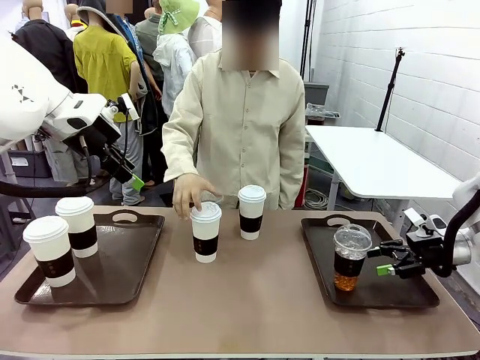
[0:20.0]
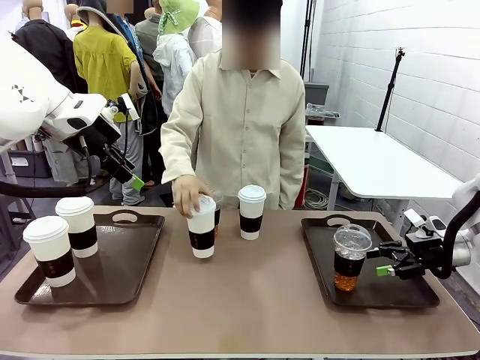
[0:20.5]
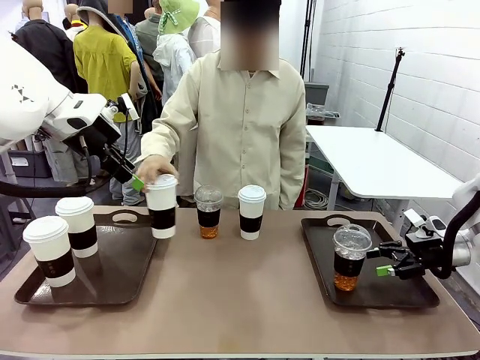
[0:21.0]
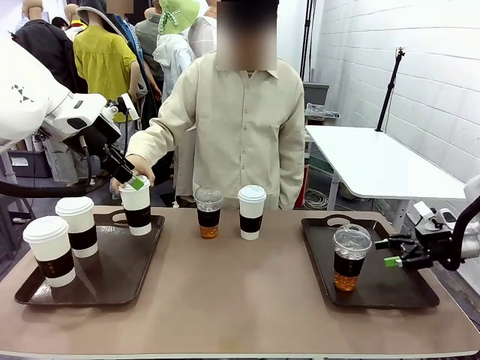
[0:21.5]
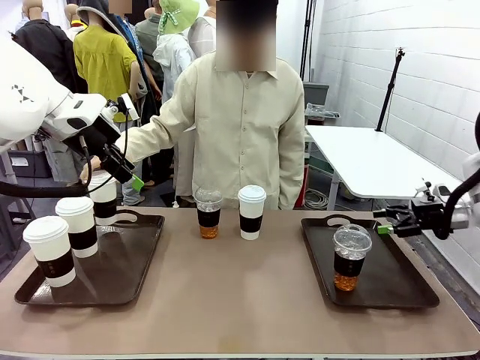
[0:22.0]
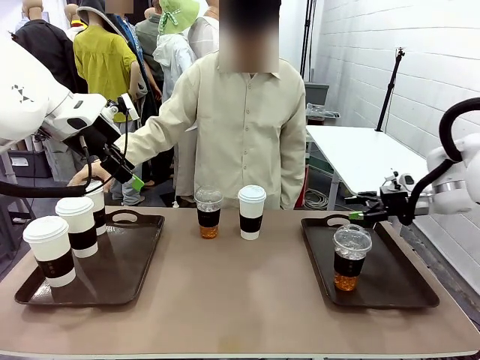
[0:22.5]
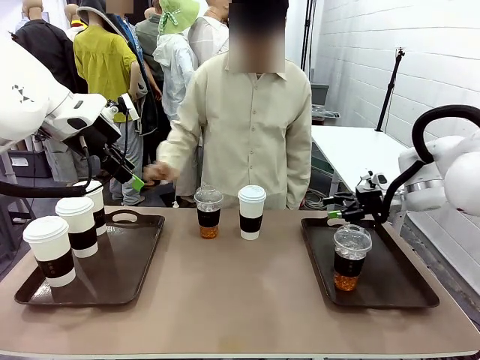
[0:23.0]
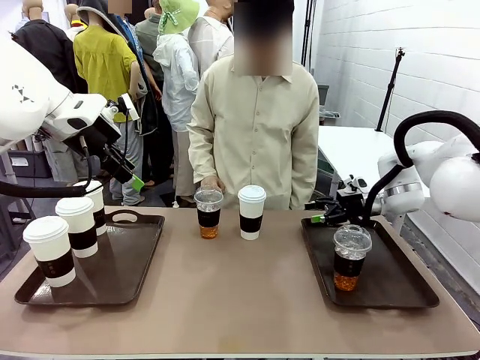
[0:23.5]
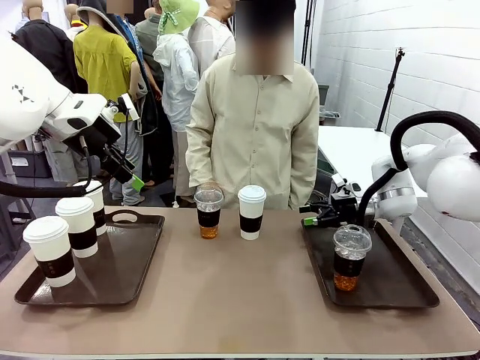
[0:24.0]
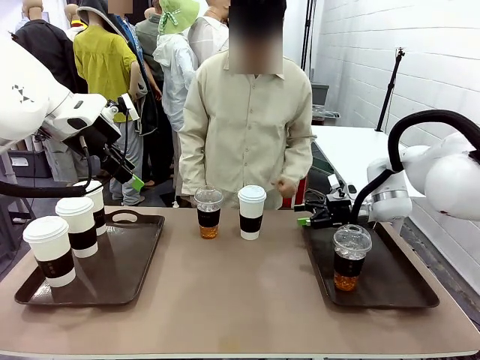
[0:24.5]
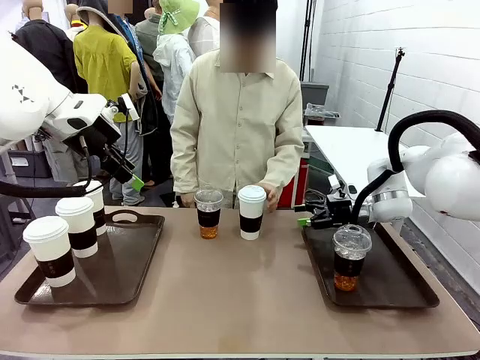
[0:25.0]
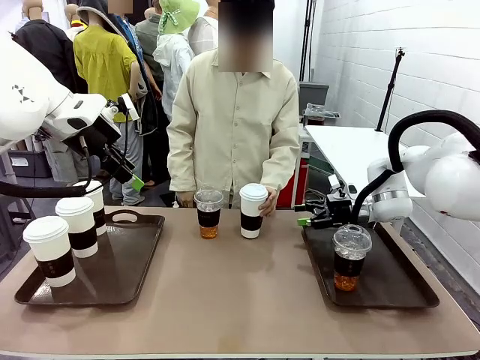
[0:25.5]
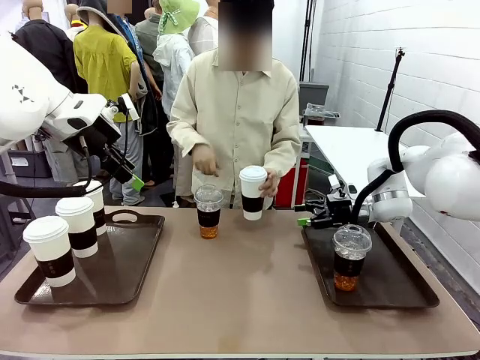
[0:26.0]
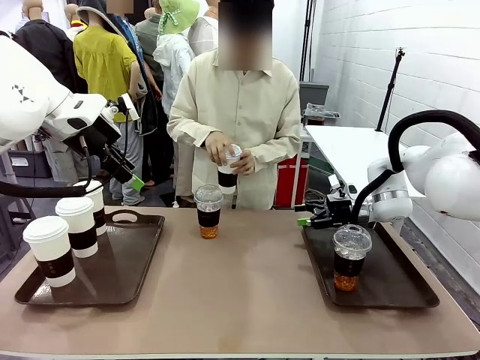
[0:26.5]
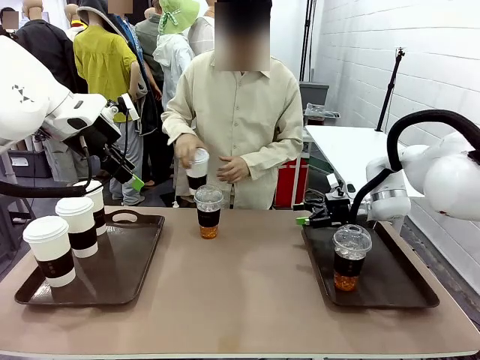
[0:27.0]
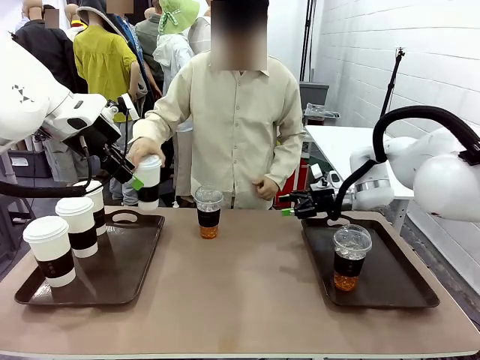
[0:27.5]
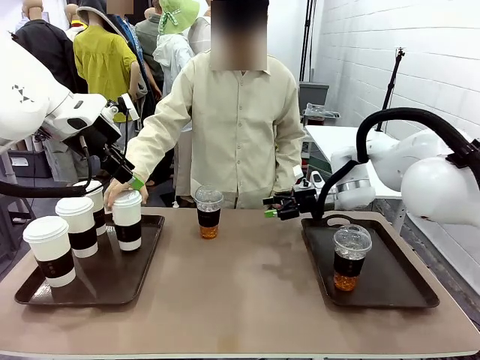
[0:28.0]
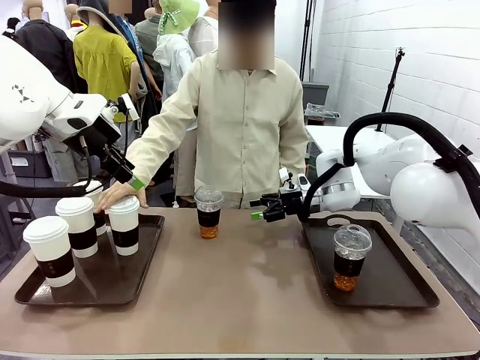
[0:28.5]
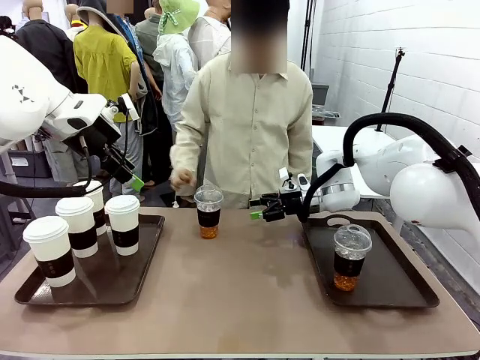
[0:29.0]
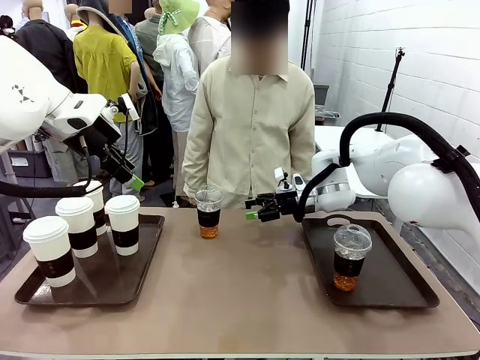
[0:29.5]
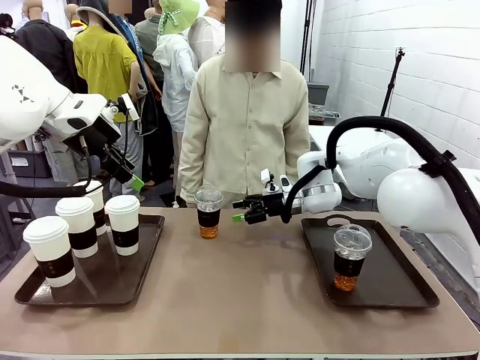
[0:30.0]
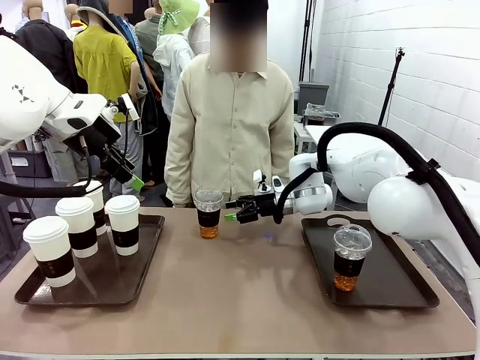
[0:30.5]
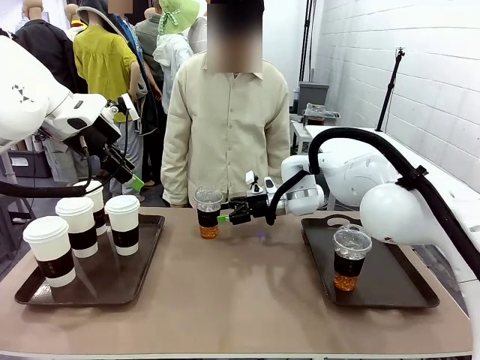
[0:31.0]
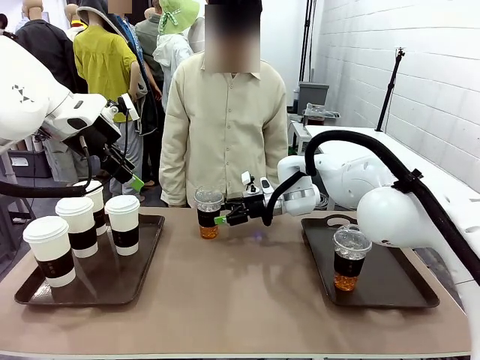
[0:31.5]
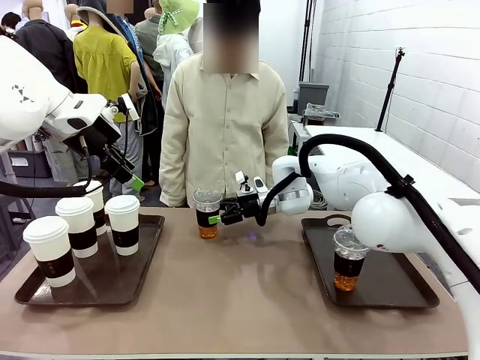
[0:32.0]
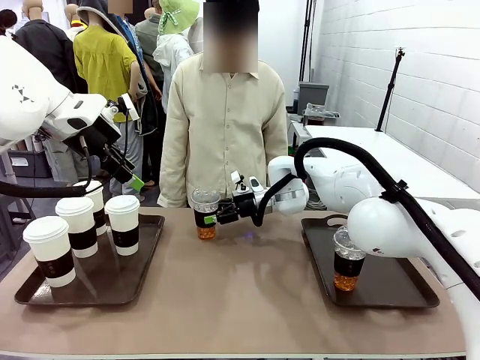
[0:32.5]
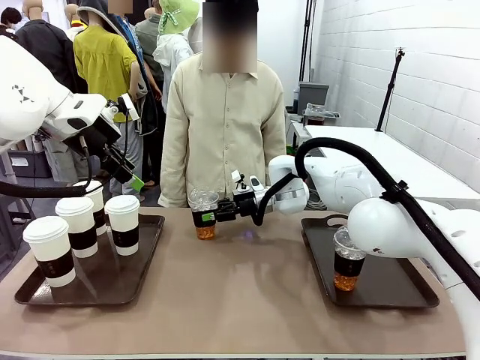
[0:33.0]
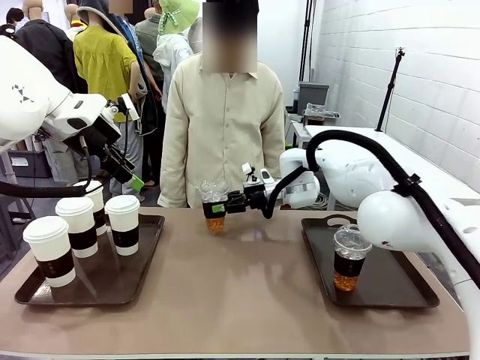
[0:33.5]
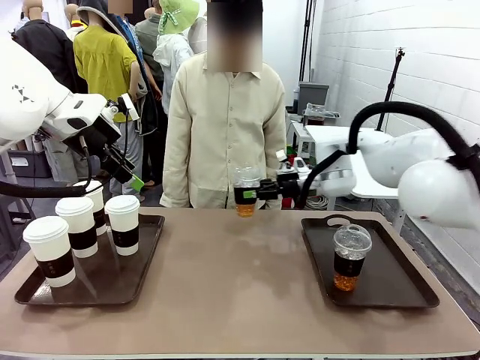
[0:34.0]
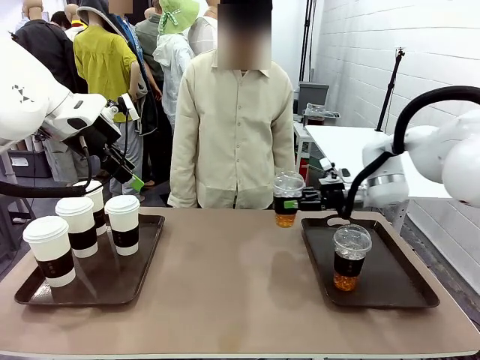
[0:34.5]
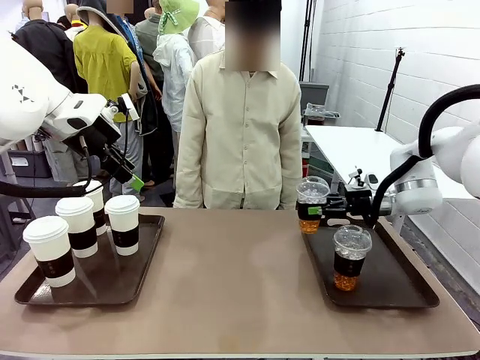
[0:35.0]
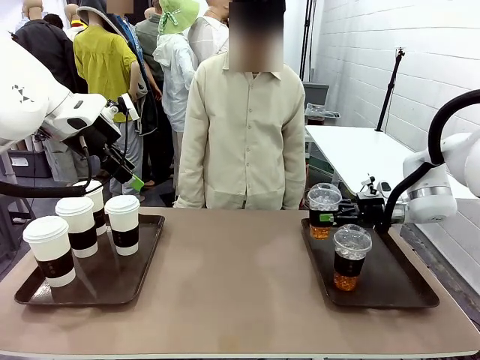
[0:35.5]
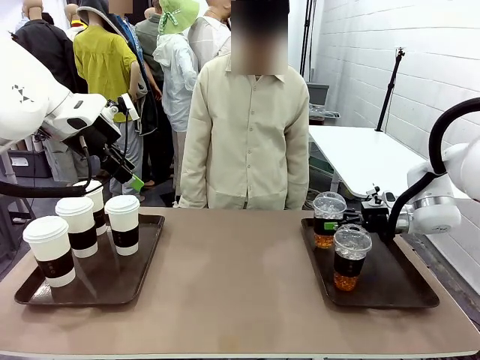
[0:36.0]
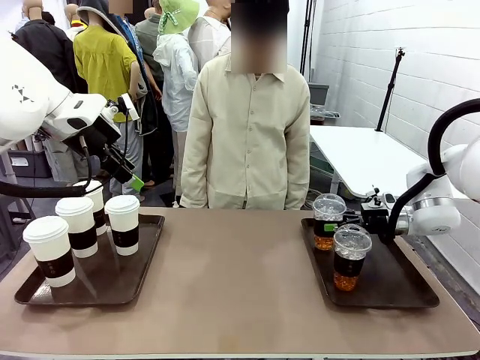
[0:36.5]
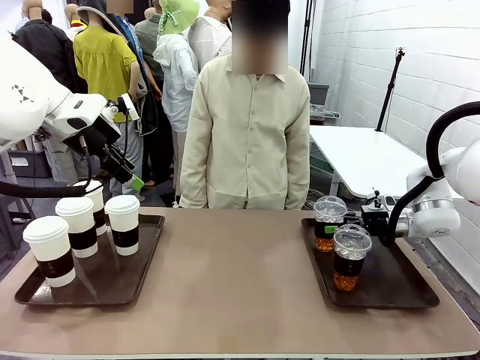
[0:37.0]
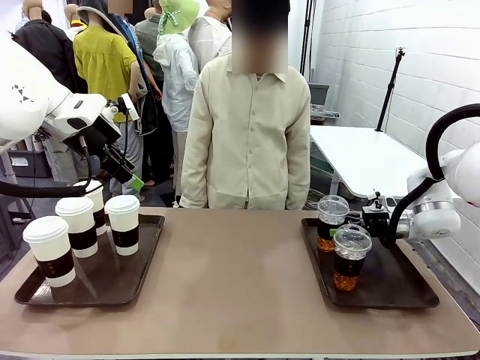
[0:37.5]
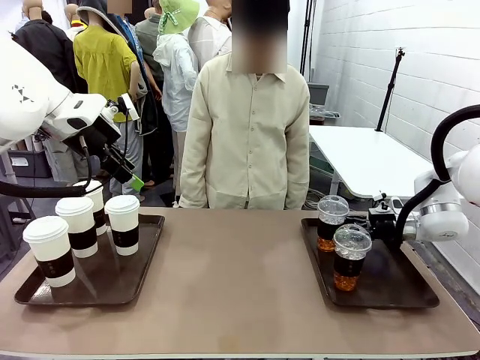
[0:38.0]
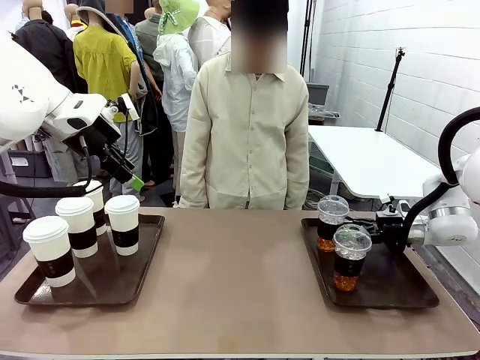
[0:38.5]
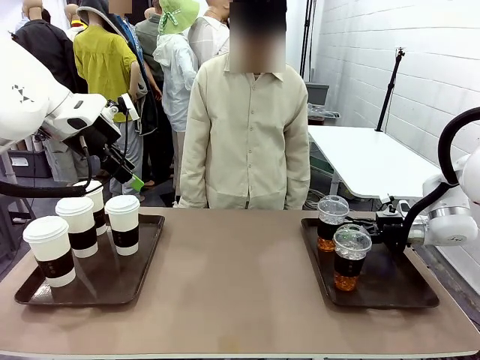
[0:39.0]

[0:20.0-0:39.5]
Task: Distribute the coffee onto the tray.
Robot: Pick up another iced Americano from the middle of the table and place it on the right Handle tray.
Person: Pick up a cup of hot Americano from the middle of the table and place it on the right tray.

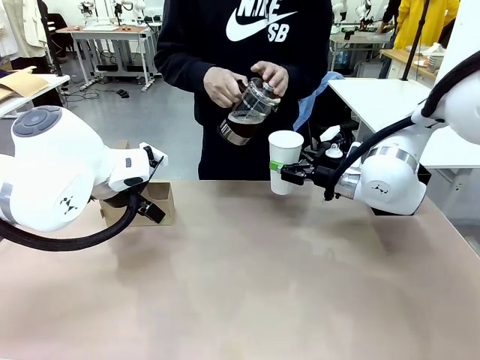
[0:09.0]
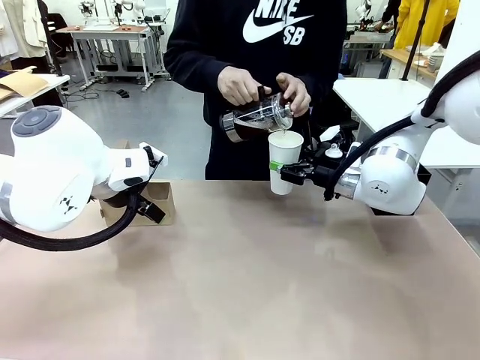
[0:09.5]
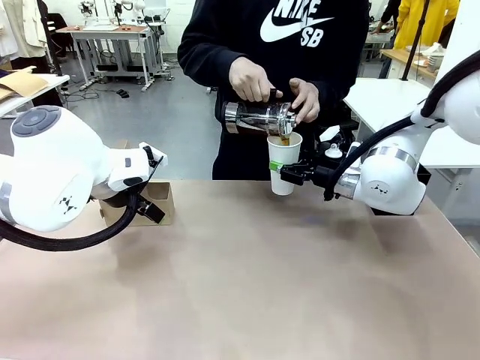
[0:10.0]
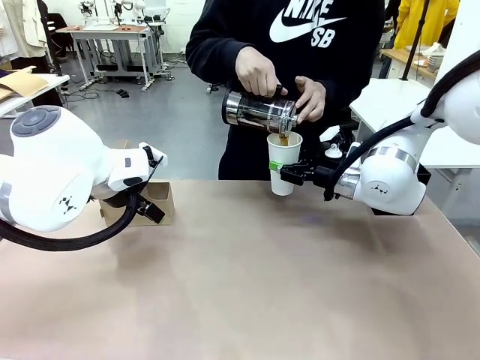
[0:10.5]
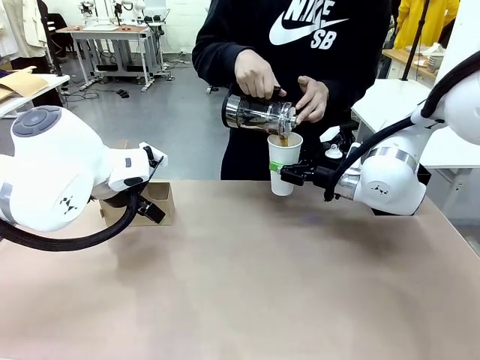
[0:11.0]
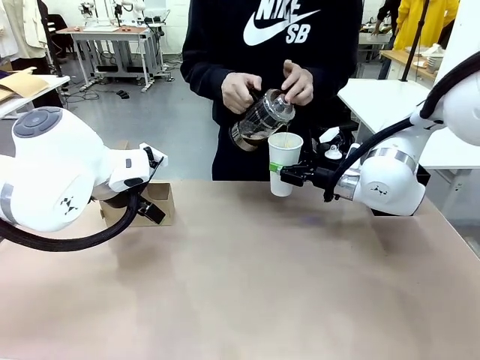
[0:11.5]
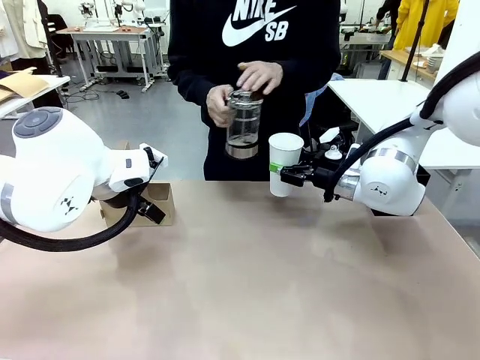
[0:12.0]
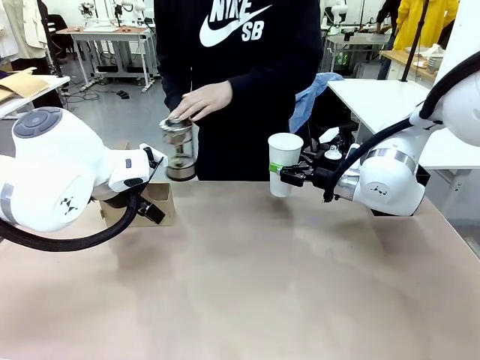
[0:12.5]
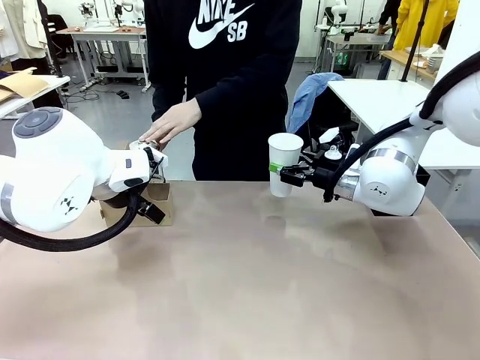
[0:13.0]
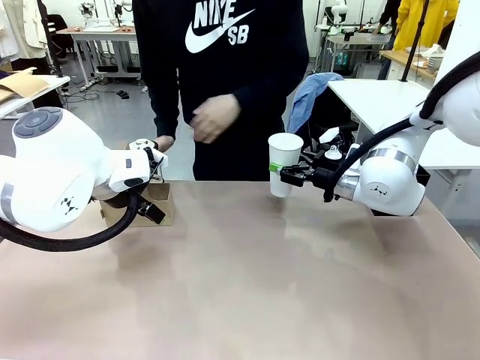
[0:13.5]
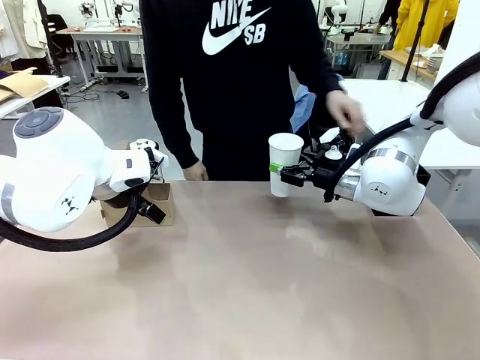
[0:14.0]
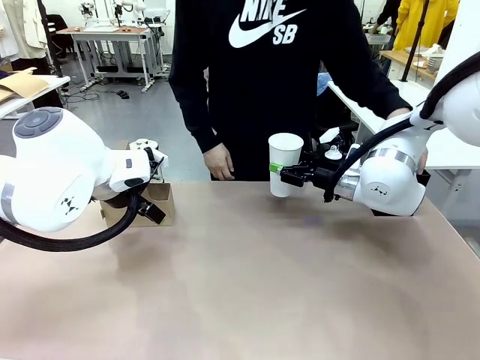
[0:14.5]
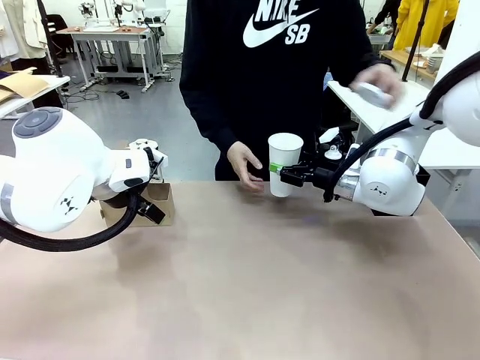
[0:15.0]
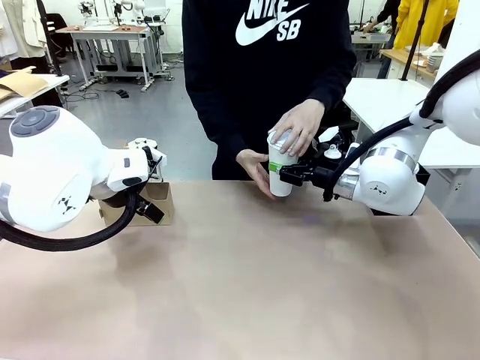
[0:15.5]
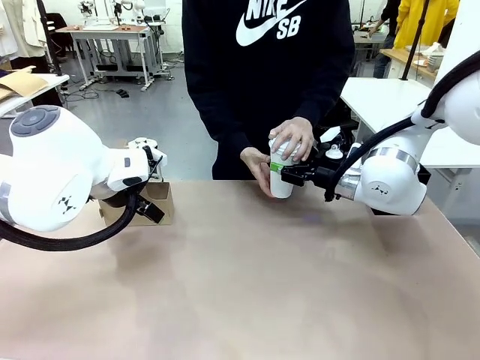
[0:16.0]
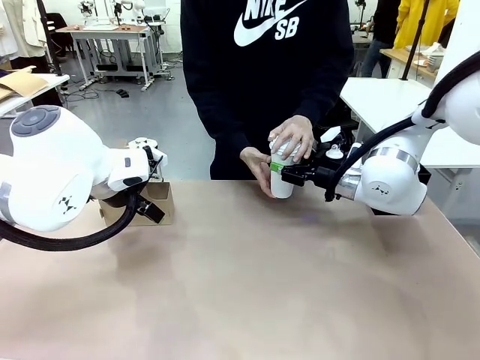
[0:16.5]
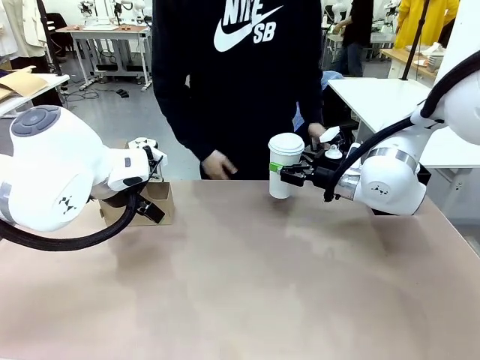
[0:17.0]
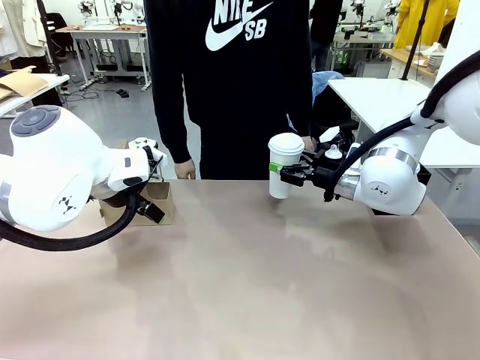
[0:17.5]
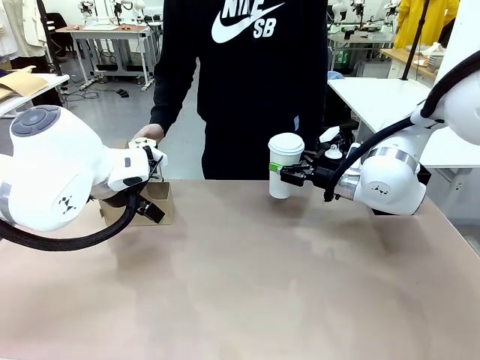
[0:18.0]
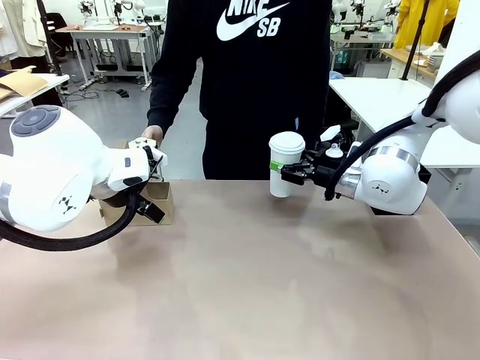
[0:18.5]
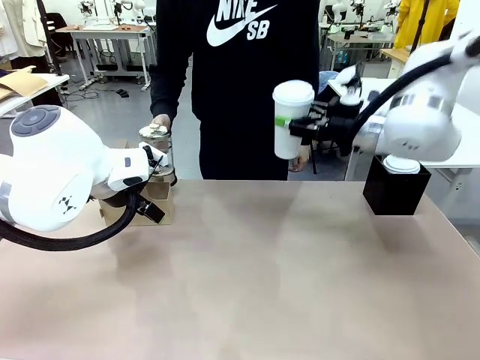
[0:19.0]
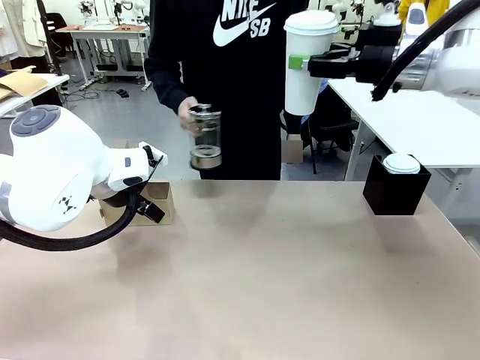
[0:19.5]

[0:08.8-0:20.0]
Task: Pour a drink into a cup and package it in a carrier.
Robot: When a person places the Paper Cup Lid on the 600 ml Paper Cup , lift the 600 ml Paper Cup.
Person: Pour the drink from the Filter Brewing into the 600 ml Paper Cup. Place a Paper Cup Lid on the 600 ml Paper Cup.
